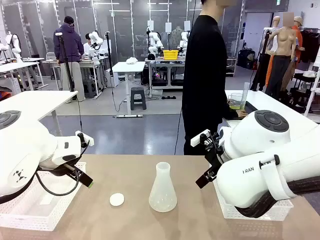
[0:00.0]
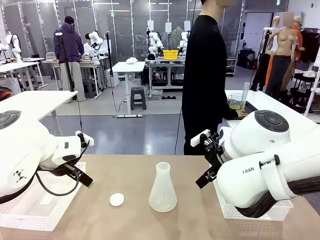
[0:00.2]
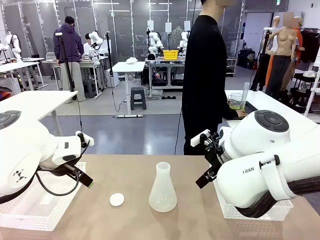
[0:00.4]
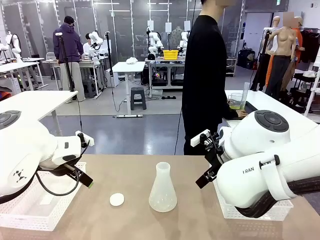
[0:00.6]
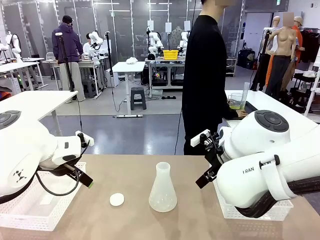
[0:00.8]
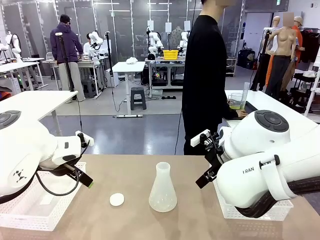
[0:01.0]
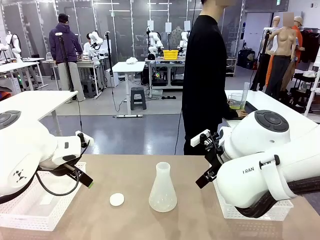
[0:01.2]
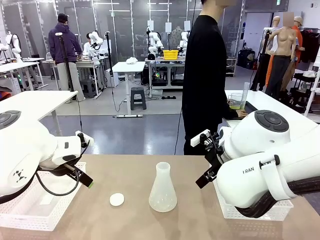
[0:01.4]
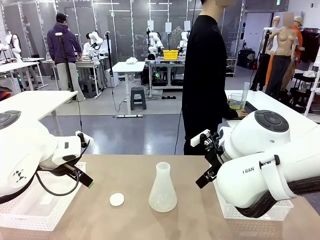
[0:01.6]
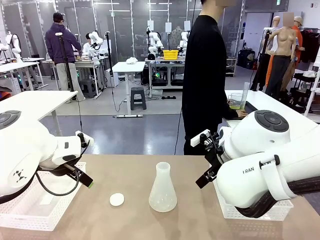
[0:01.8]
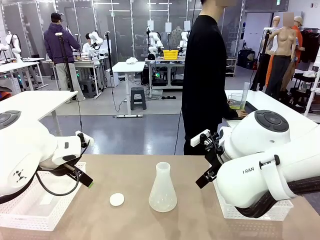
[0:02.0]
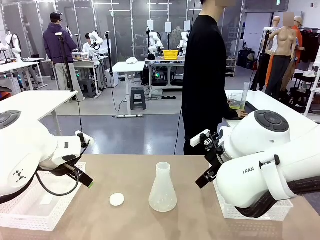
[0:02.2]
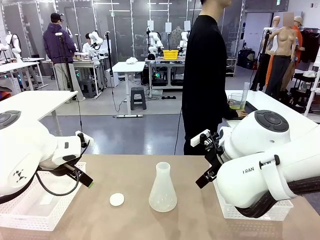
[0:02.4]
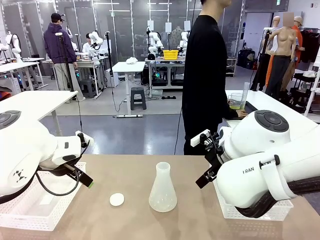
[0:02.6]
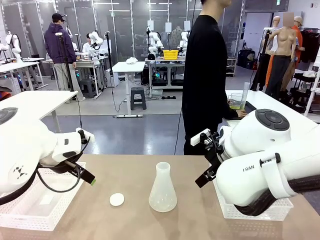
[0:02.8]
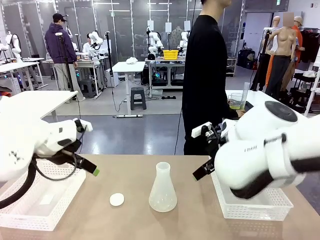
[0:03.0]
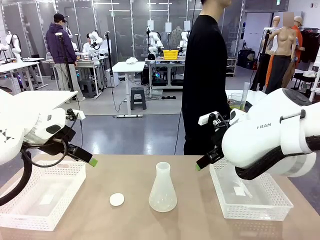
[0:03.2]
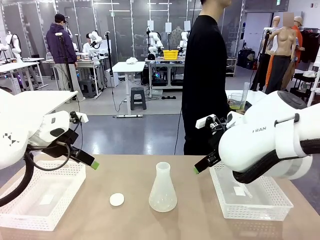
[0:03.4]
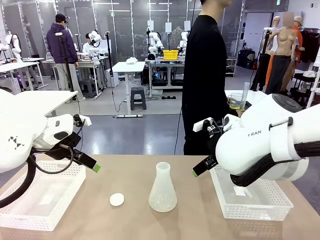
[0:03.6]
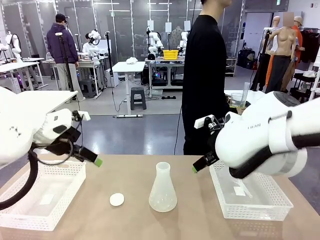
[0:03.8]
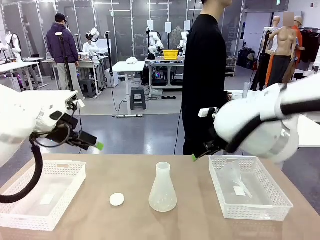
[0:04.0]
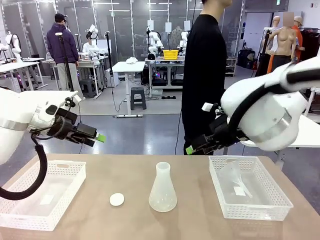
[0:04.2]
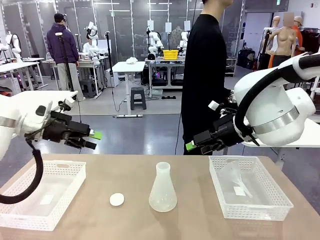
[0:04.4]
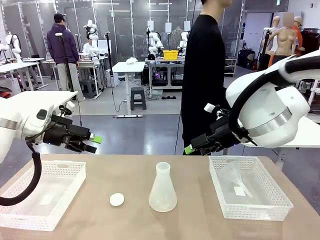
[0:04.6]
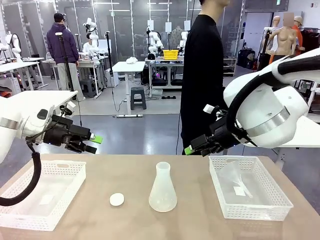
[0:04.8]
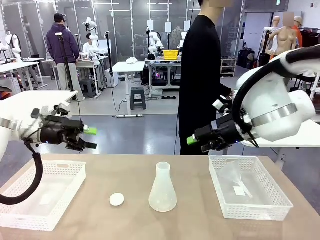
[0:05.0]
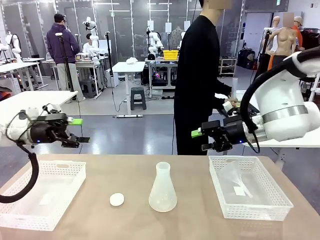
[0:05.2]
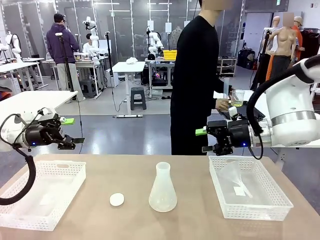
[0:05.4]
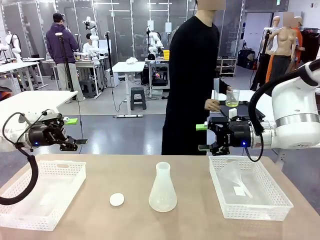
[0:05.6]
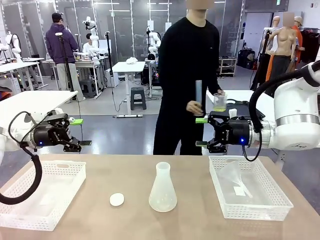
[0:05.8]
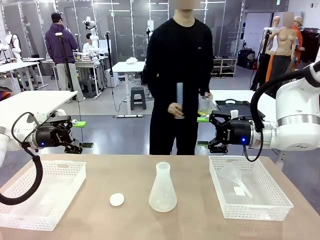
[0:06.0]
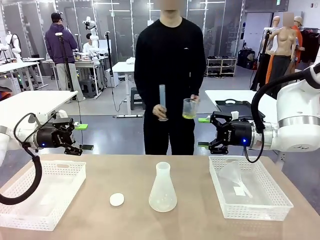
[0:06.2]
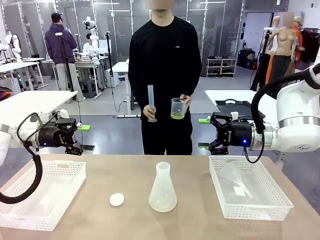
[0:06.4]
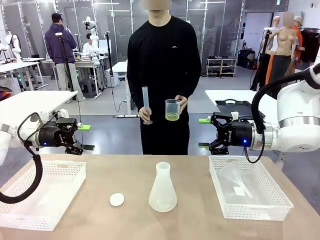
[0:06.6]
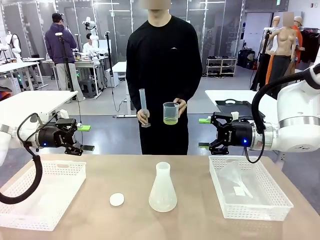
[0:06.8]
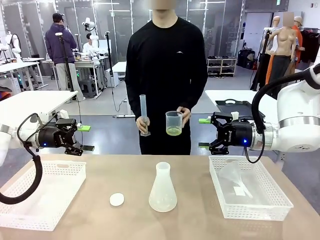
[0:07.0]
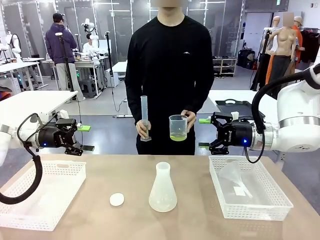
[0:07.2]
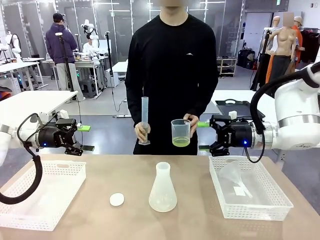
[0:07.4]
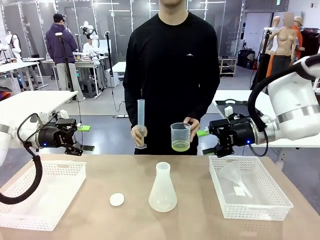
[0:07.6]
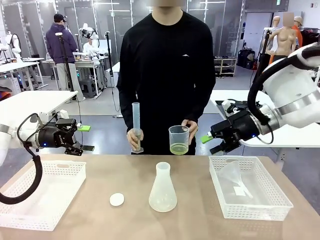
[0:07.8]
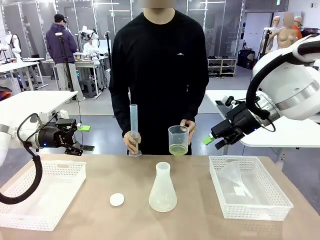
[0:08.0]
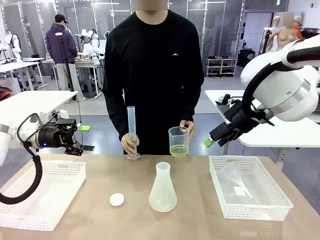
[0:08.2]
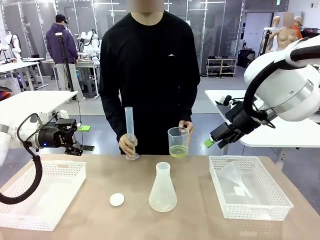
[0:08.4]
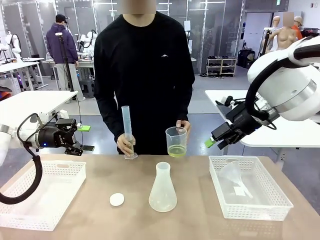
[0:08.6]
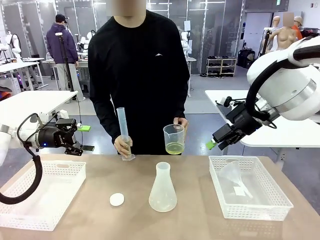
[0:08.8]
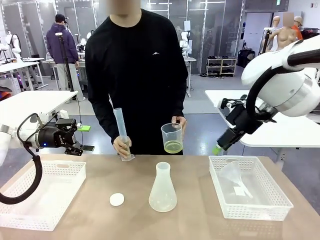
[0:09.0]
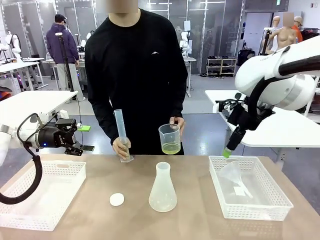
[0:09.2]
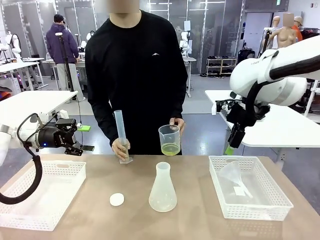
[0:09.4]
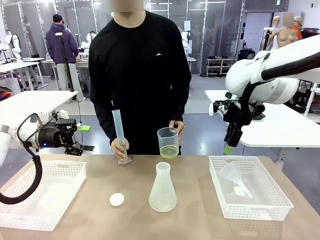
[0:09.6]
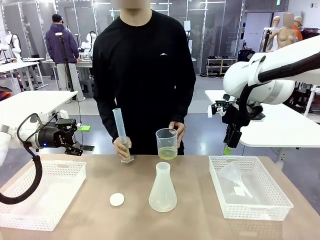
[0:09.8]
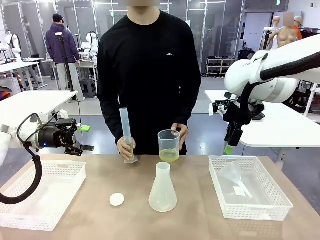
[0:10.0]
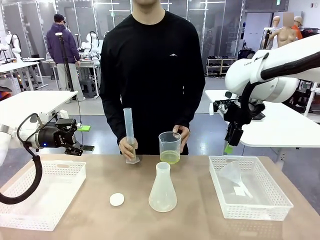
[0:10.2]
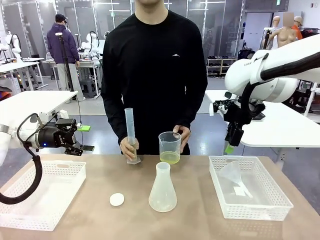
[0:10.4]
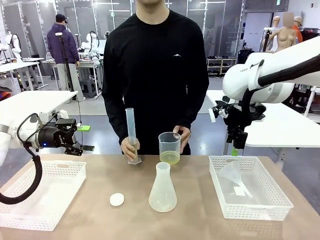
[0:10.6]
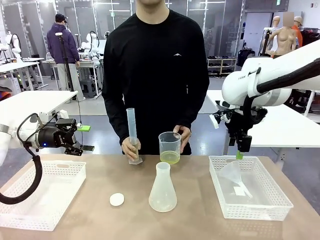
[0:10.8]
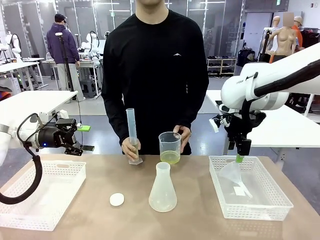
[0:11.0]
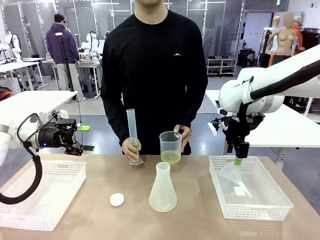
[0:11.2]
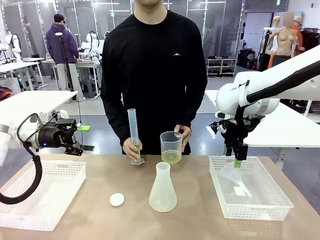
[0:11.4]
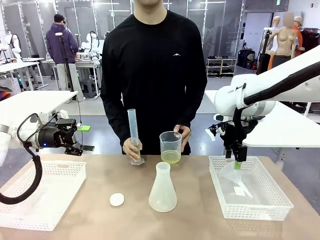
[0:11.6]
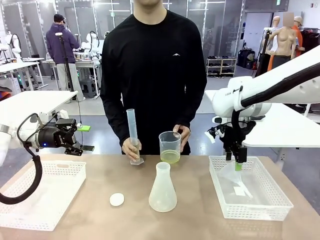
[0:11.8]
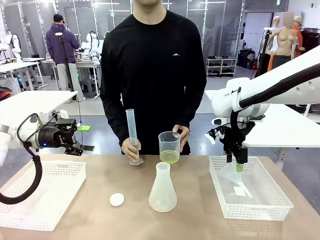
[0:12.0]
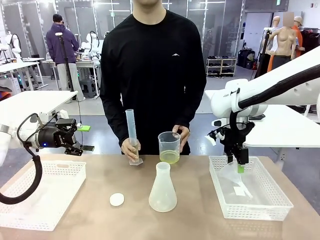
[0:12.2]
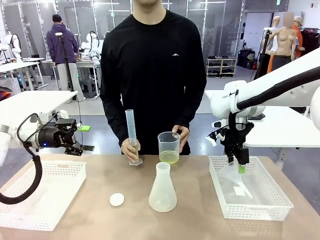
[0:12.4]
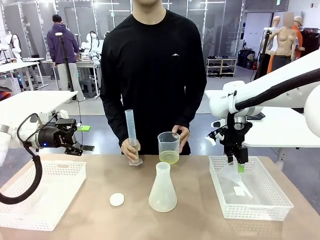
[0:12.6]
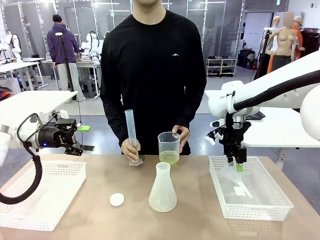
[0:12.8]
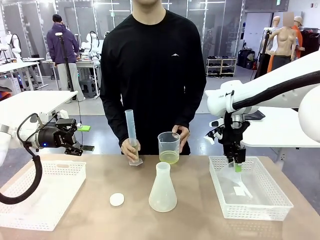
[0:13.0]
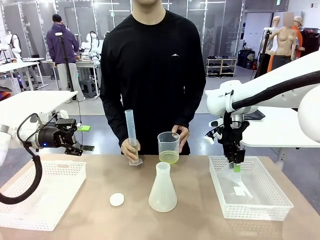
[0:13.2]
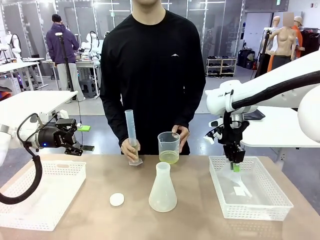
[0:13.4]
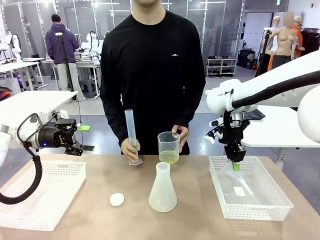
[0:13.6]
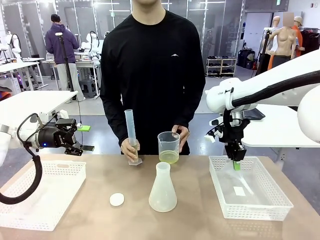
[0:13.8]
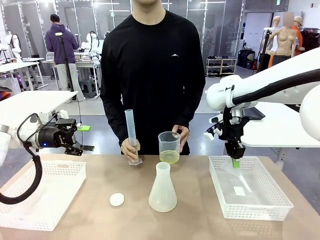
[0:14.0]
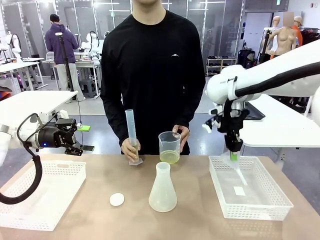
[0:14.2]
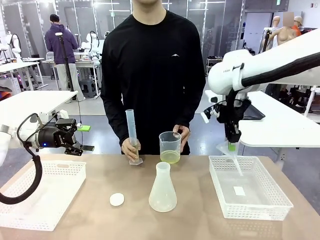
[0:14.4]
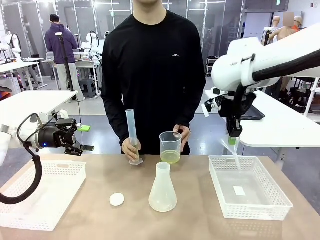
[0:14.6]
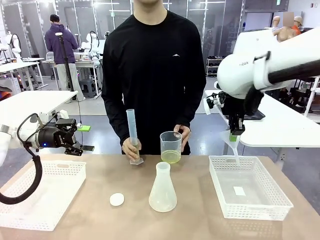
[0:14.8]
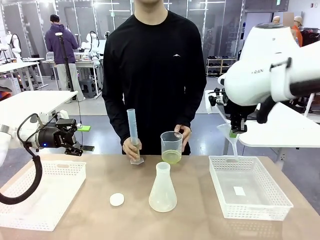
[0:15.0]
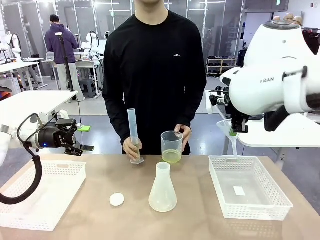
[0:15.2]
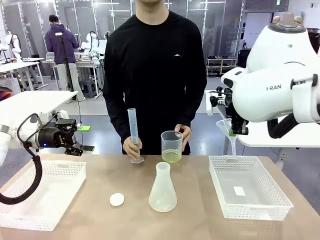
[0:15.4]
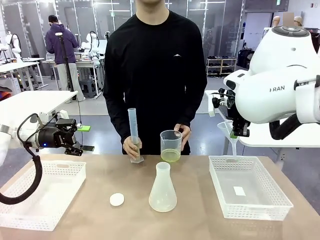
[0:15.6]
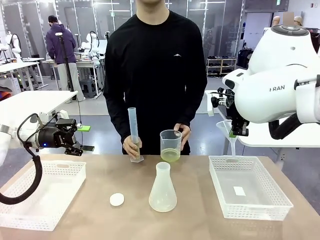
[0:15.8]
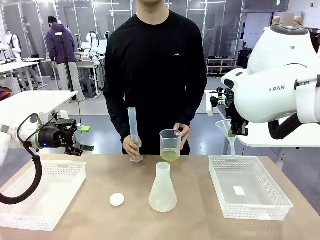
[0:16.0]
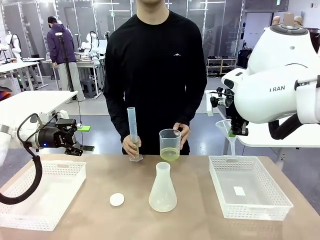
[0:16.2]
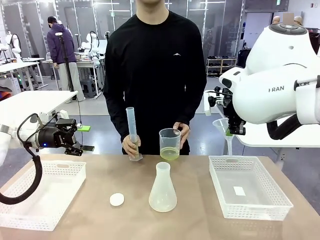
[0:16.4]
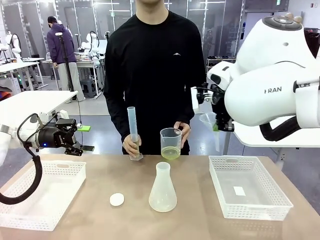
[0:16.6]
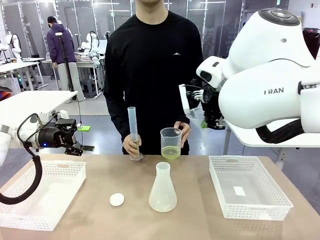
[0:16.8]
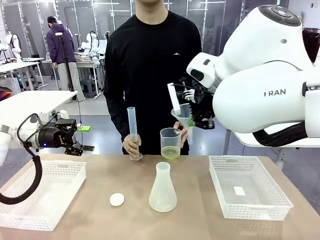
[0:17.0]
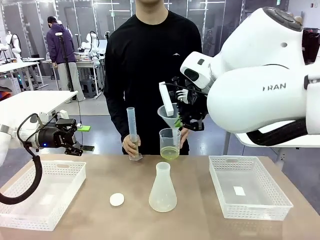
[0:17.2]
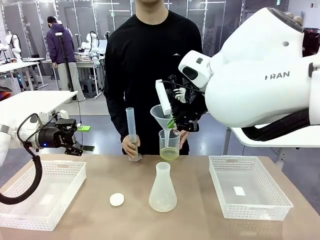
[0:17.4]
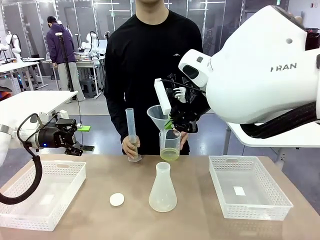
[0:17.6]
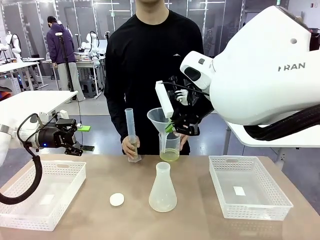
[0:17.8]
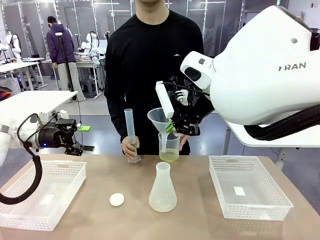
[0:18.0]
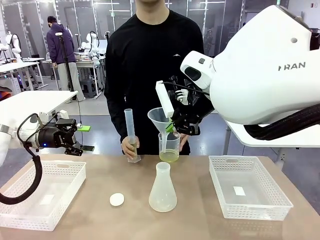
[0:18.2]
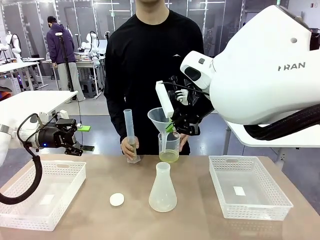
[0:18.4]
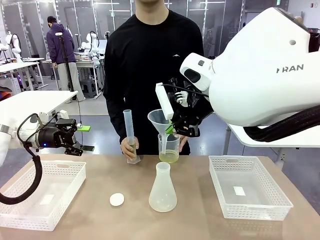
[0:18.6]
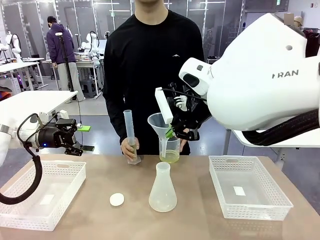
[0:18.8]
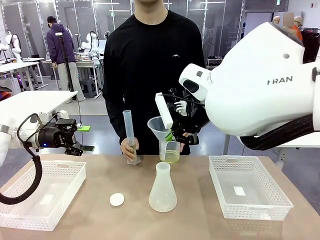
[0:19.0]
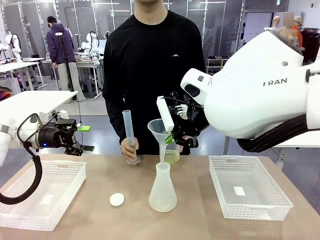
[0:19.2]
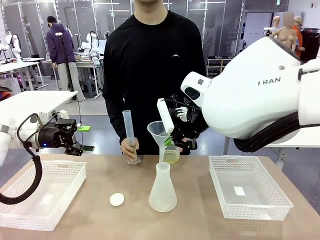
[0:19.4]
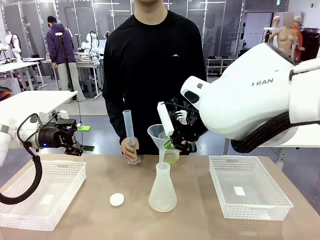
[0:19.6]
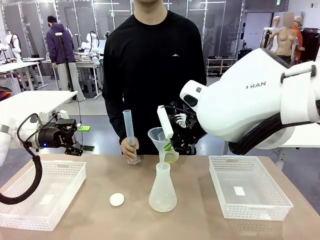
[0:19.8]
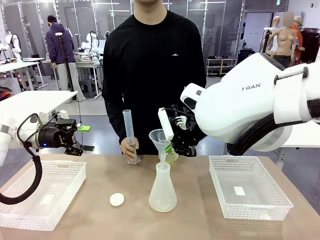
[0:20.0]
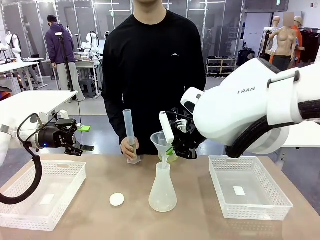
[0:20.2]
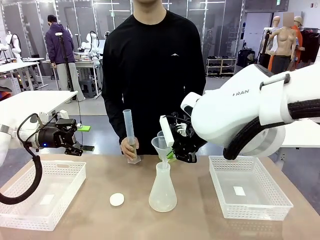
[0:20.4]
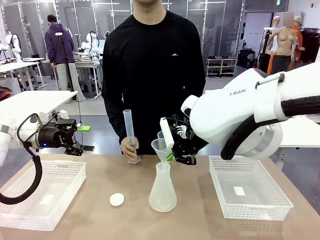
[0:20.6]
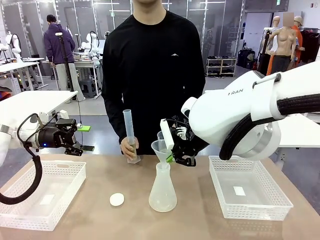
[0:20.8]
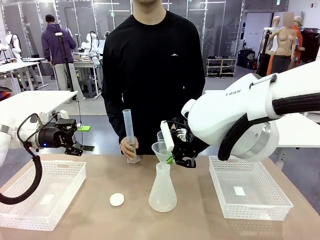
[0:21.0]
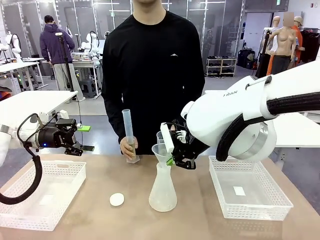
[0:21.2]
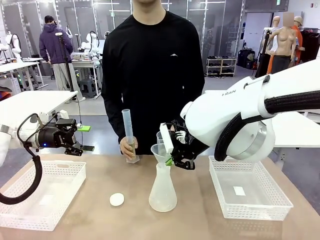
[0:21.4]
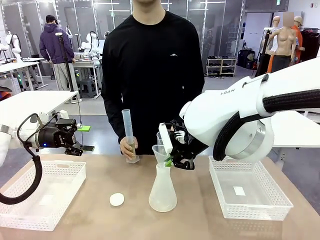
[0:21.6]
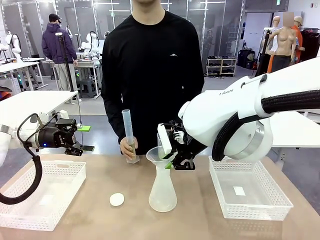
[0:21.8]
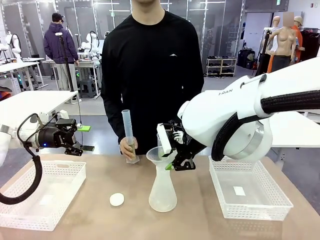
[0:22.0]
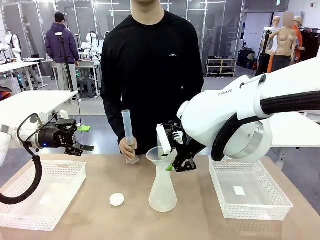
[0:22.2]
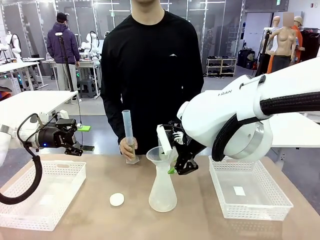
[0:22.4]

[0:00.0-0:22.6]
Task: Prepare the solutions needed for the experiment.
Robot: Pick up the Plastic Funnel and insert it into the Big flask.
Person: Pick up the beaker and the cylinder and move to the middle of the robot table. Pour the solution from the beaker and the cylinder into the flask.
